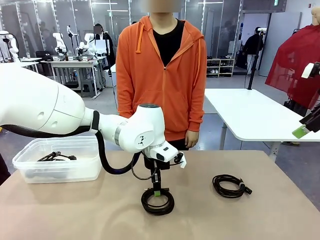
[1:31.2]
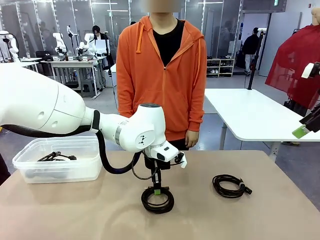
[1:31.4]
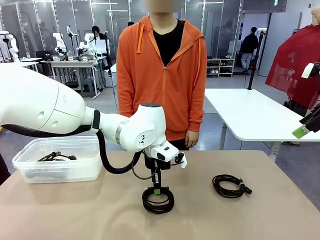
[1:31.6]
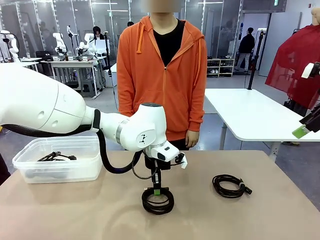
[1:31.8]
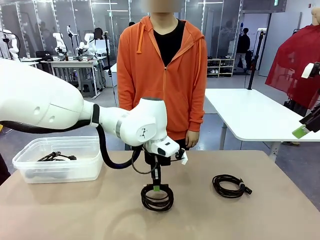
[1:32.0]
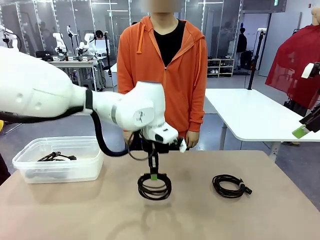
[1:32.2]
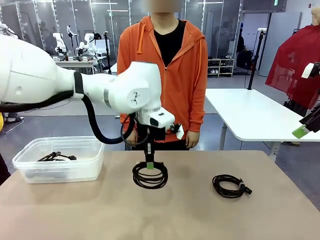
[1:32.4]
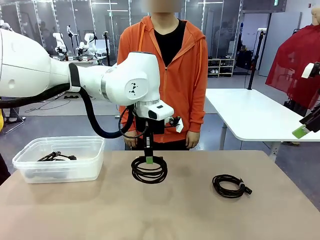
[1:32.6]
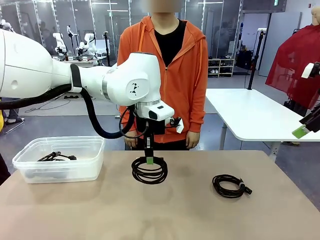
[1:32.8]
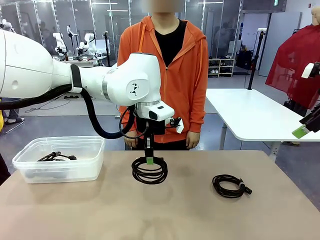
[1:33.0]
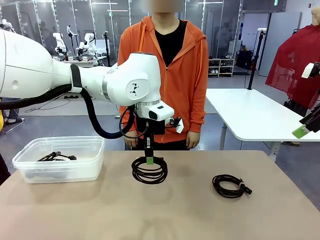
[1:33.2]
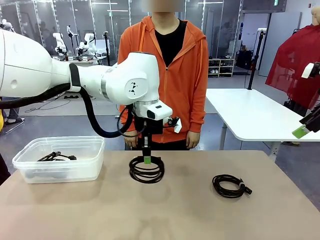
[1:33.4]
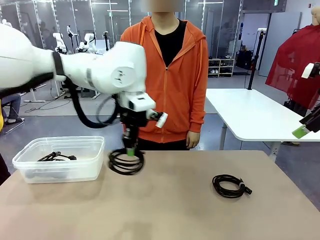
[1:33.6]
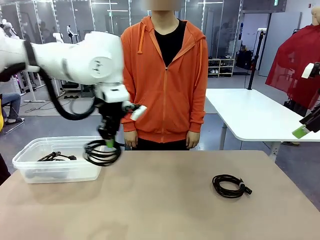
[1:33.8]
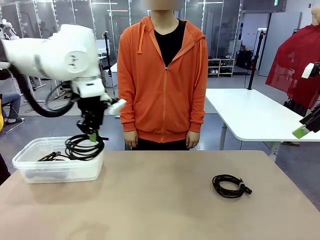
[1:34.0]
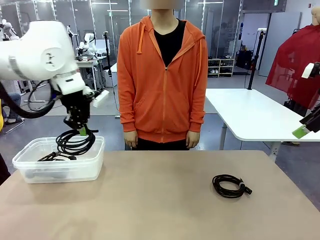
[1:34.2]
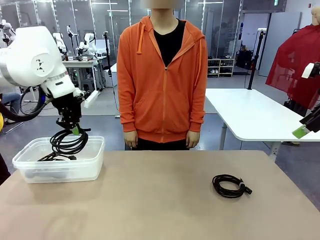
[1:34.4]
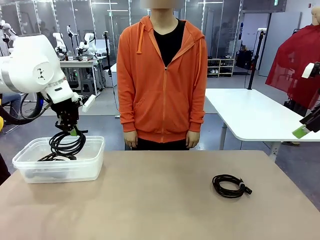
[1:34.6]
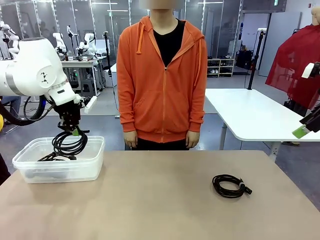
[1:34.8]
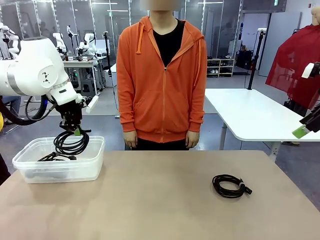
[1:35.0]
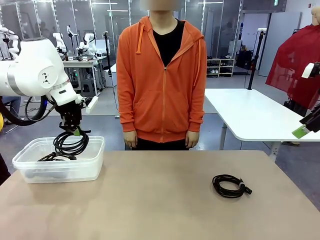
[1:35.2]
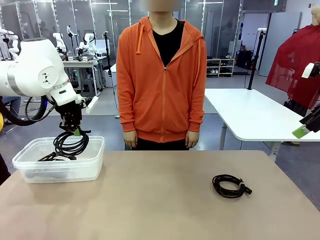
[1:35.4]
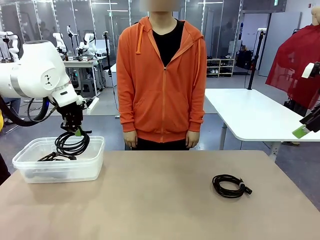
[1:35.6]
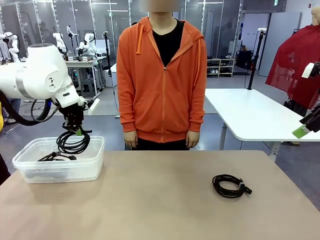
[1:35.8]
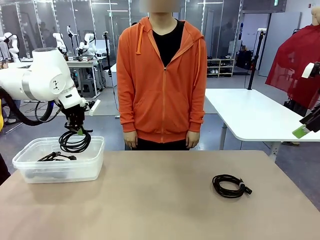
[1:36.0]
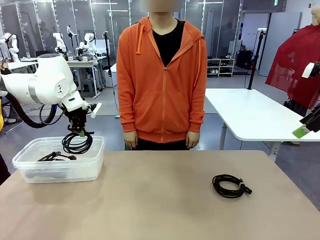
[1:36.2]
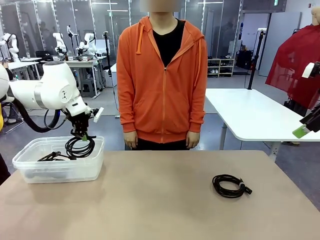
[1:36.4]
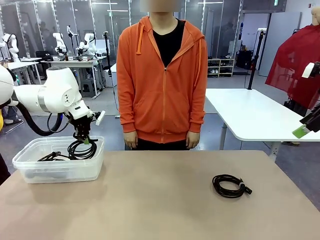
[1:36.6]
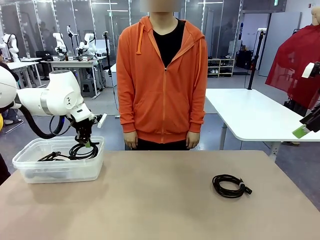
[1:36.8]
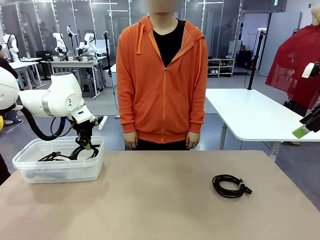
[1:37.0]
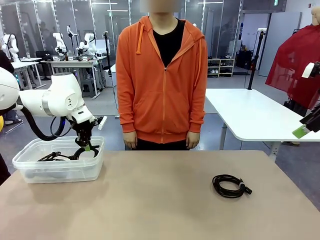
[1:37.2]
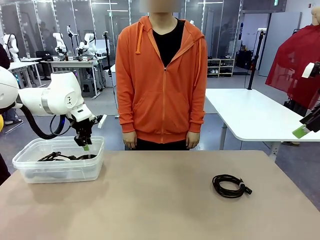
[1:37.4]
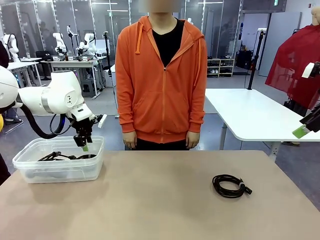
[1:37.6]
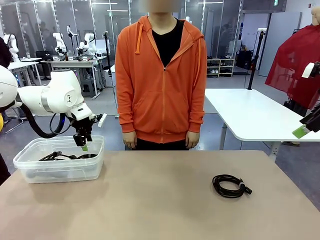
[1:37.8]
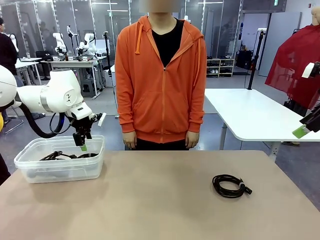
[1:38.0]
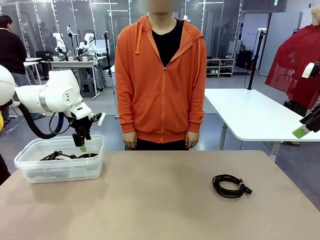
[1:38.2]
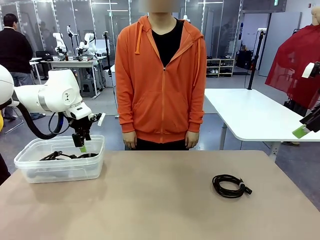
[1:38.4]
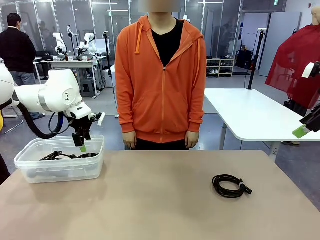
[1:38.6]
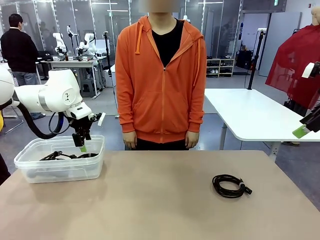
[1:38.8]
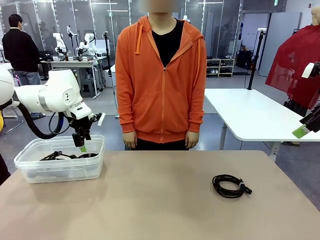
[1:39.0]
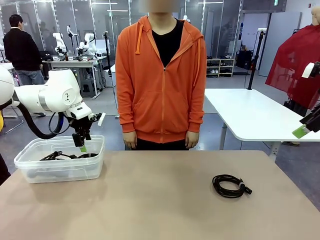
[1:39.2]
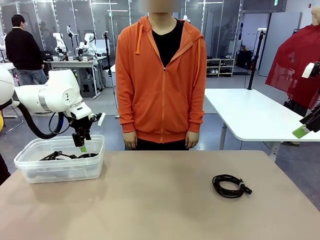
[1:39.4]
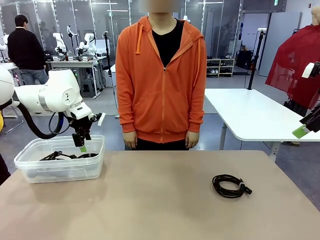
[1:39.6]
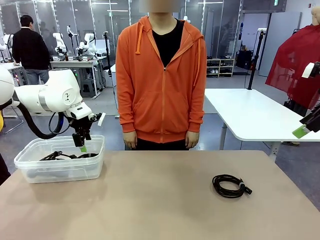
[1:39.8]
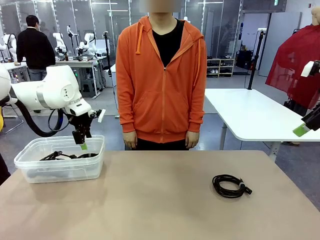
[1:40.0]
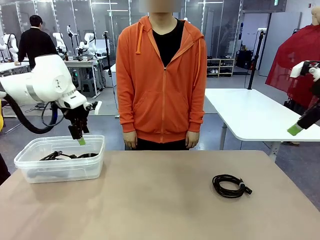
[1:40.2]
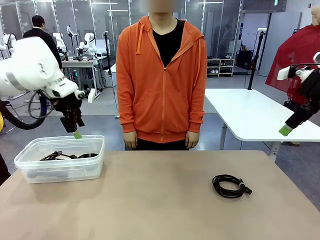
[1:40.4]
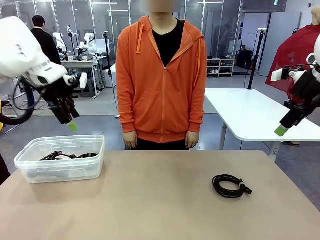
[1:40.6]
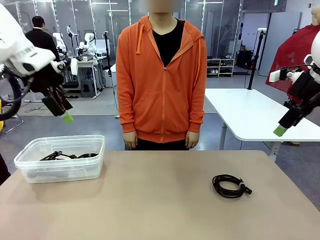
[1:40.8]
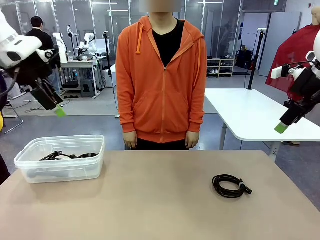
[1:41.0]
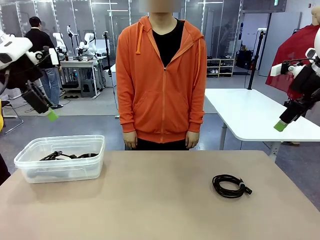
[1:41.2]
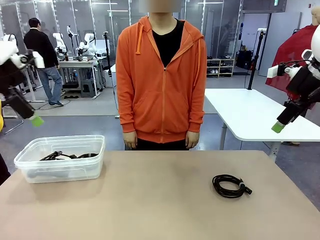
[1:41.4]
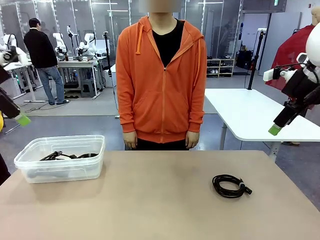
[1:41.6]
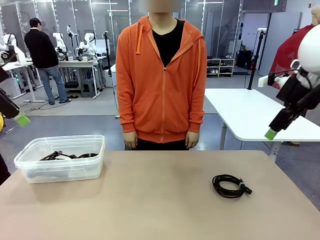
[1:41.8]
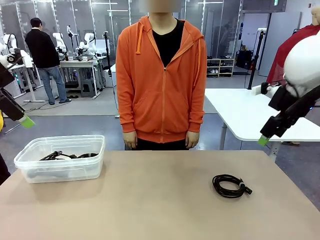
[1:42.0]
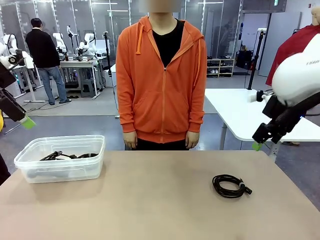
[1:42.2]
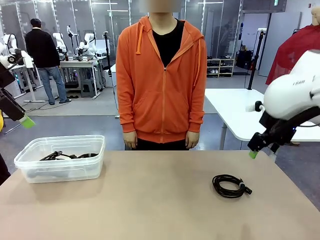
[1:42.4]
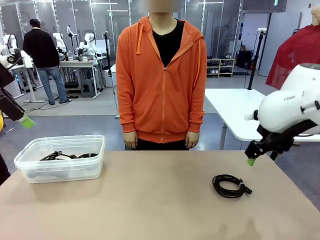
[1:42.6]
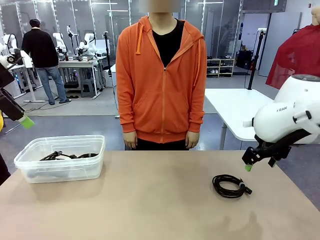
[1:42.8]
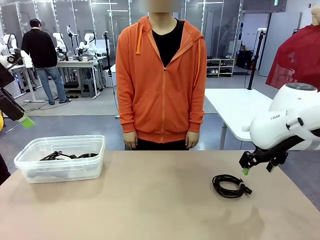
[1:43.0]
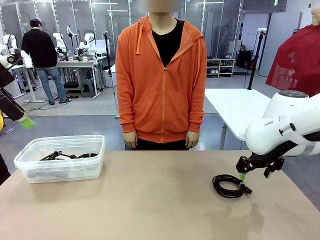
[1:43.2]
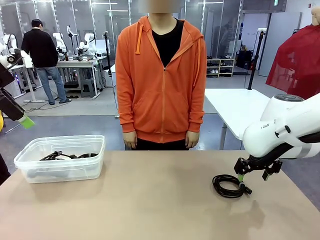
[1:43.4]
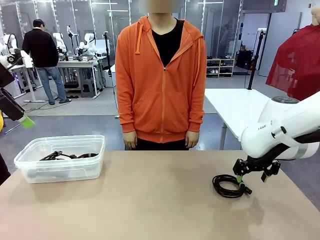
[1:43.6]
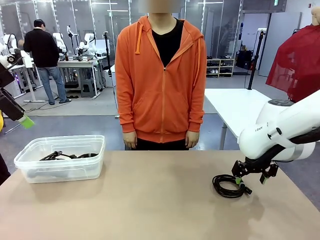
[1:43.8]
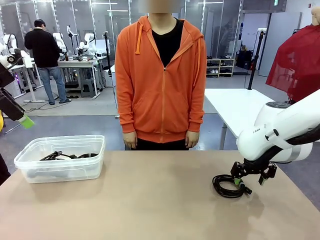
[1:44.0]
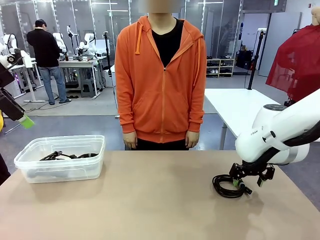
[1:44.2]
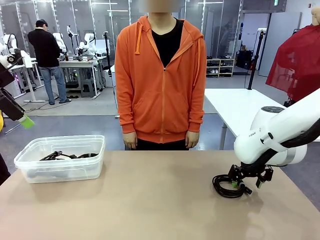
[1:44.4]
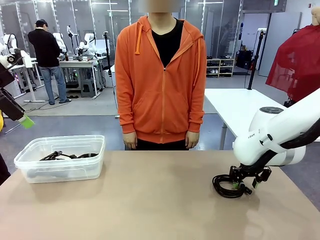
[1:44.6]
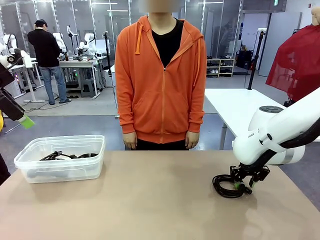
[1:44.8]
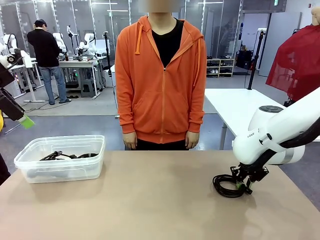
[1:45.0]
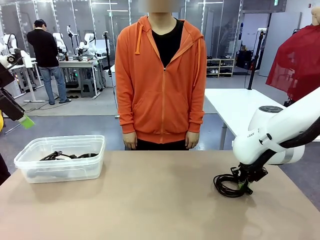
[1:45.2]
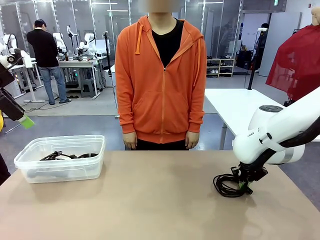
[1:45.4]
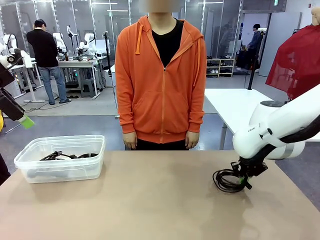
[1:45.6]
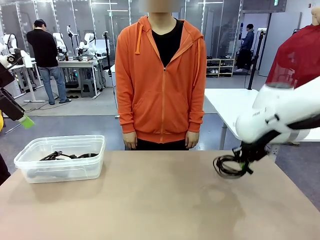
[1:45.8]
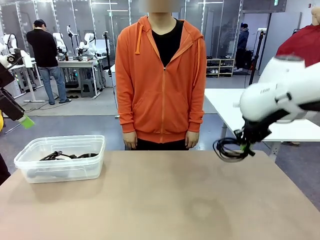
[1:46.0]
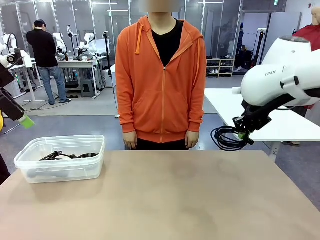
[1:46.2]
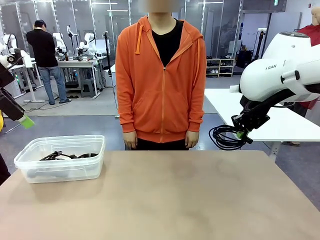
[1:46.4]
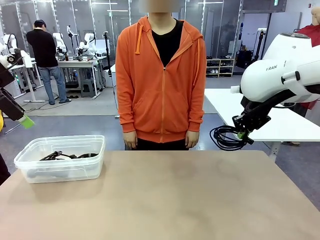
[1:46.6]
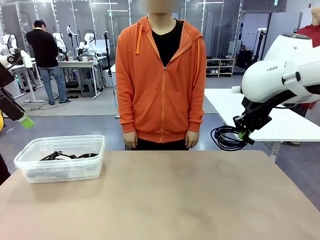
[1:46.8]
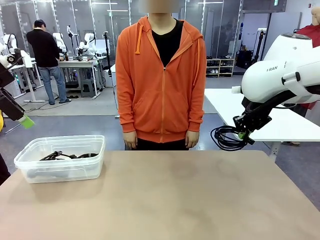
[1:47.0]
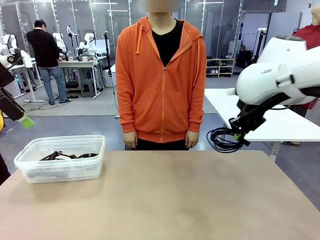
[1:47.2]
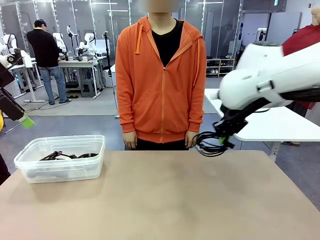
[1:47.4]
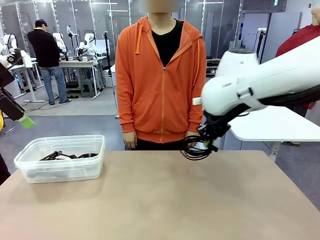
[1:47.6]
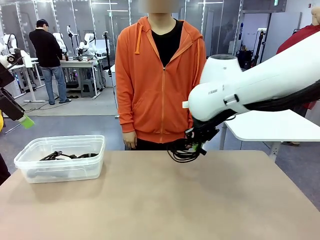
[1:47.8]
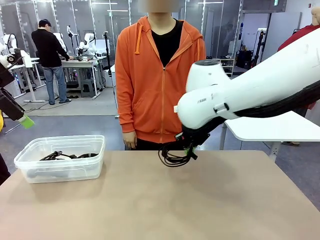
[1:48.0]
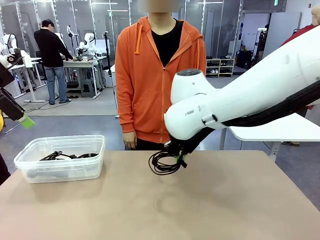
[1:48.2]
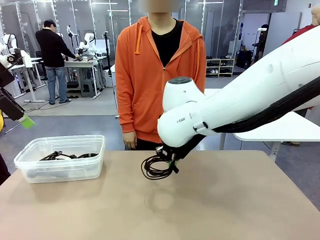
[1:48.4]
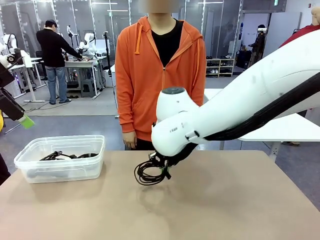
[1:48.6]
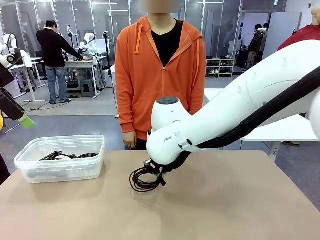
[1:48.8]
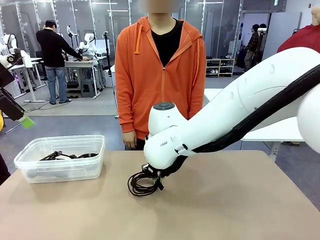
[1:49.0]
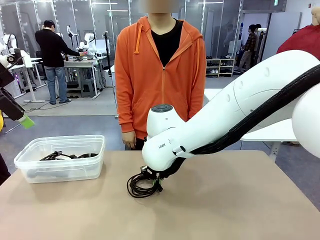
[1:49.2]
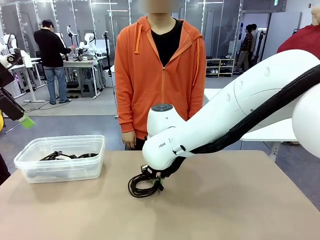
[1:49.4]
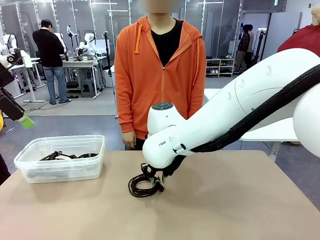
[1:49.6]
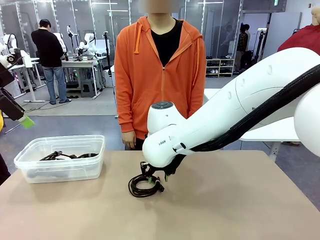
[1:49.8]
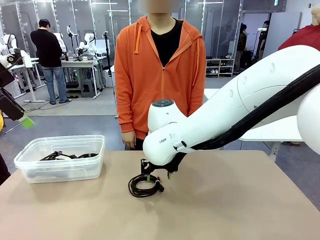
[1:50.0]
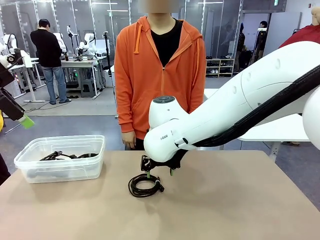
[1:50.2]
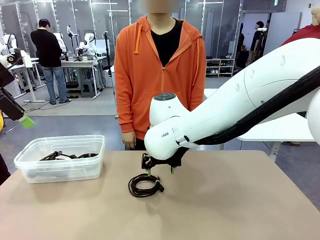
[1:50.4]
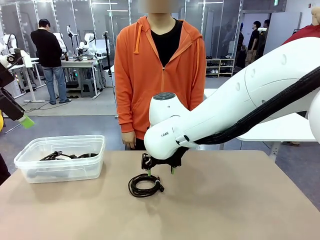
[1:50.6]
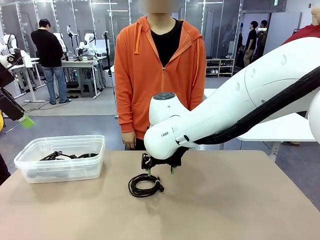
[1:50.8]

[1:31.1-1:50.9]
Task: Organize and store the cables.
Robot: Place the USB Extension Cable into the Organizing box.
